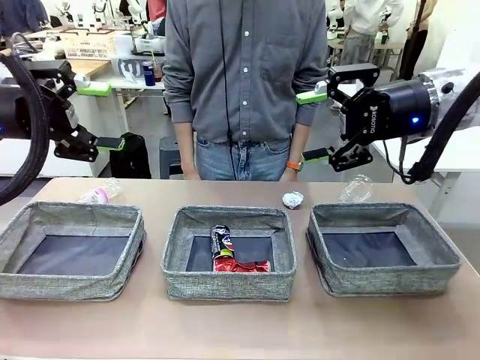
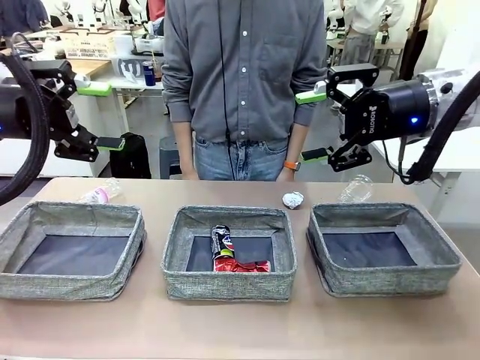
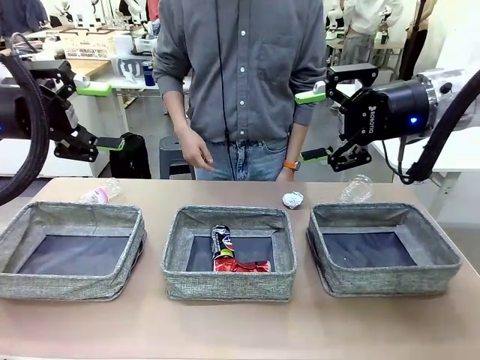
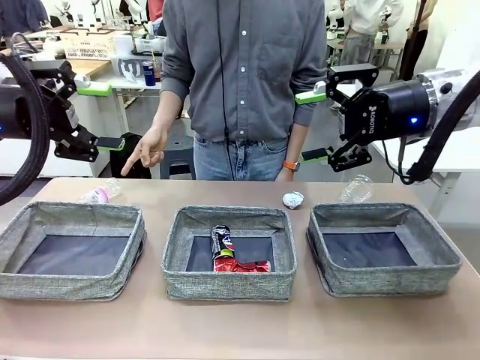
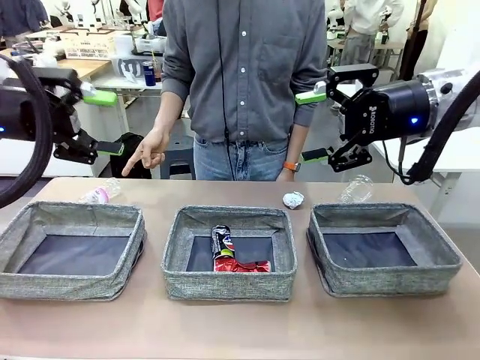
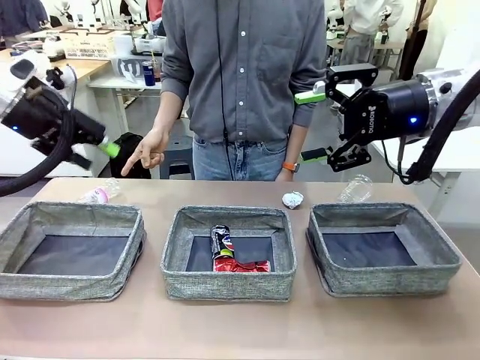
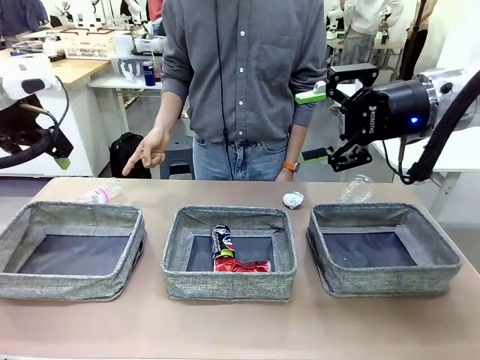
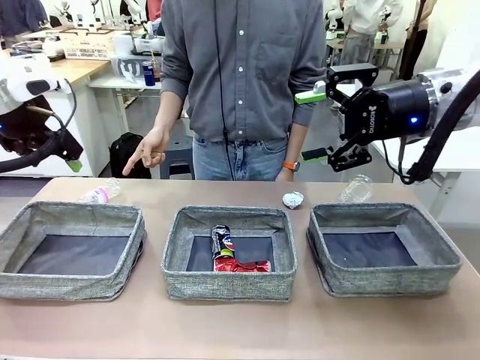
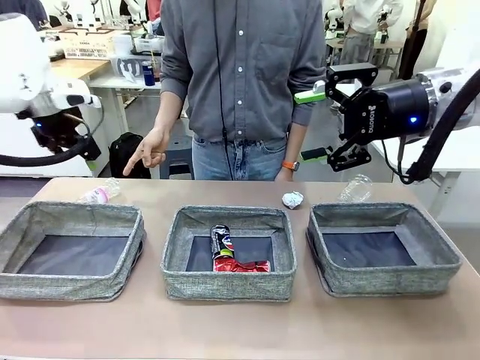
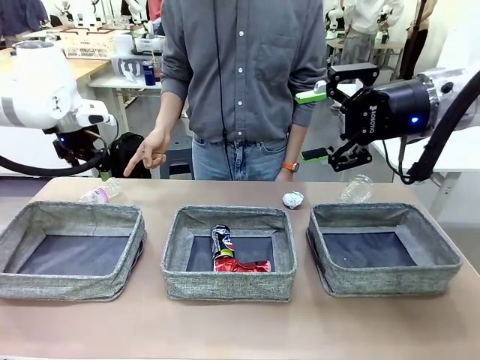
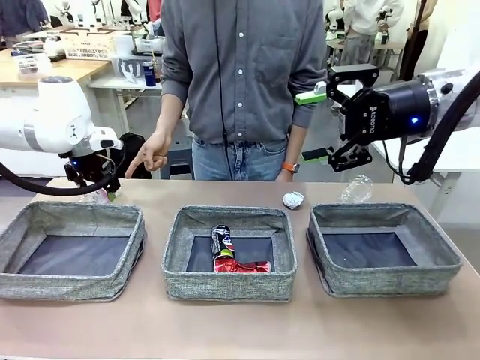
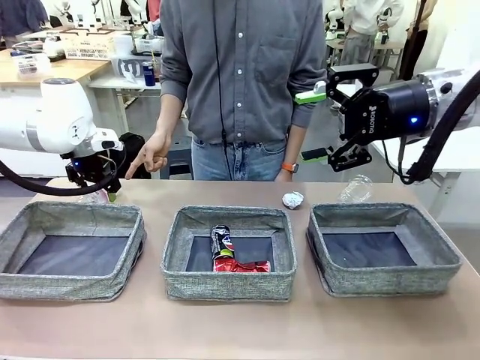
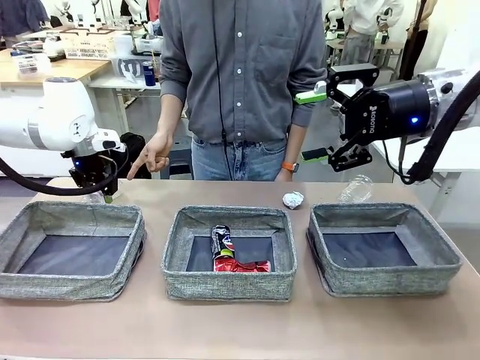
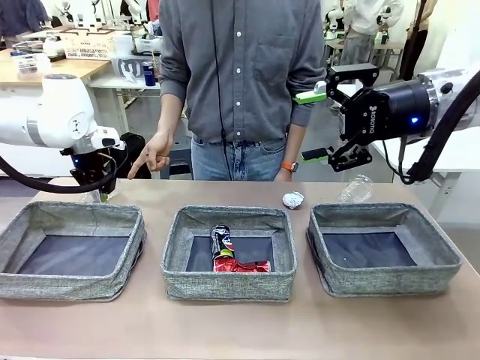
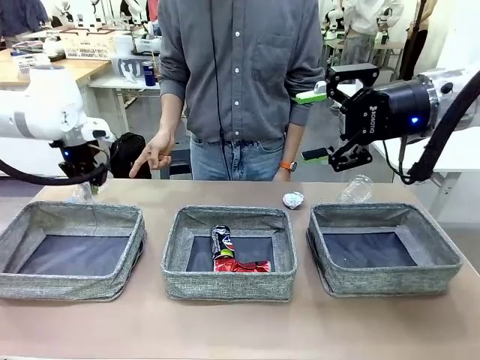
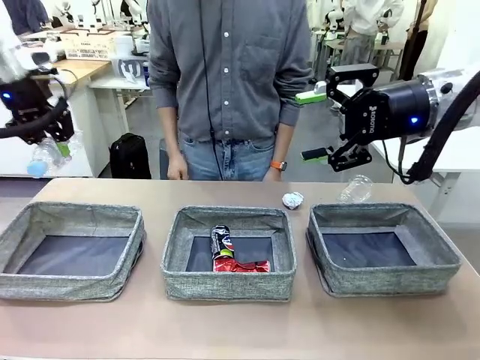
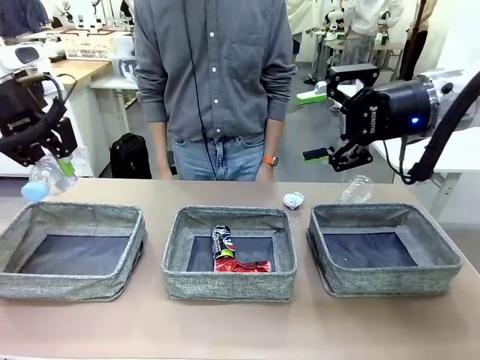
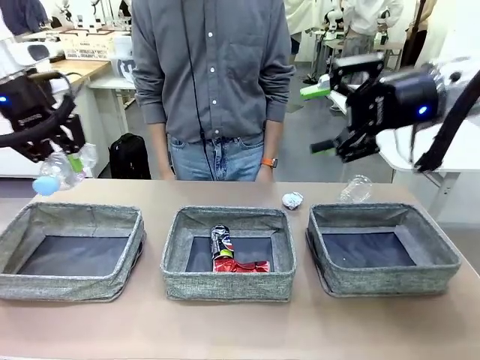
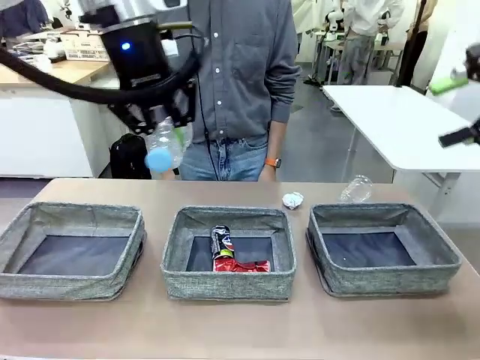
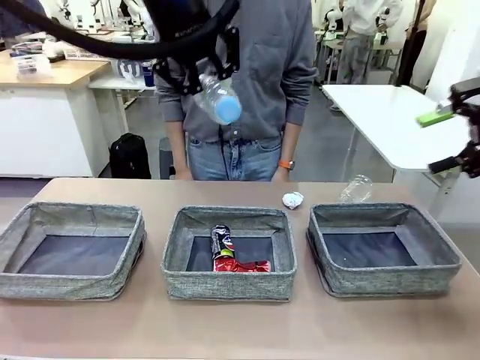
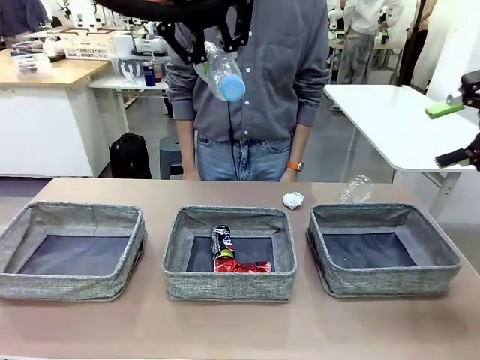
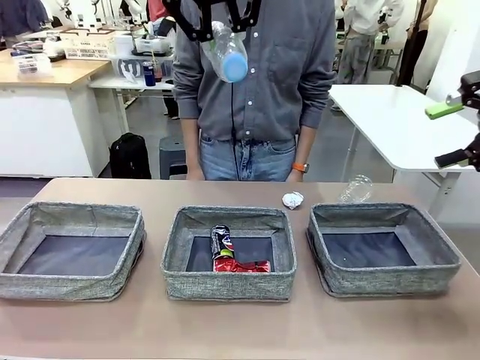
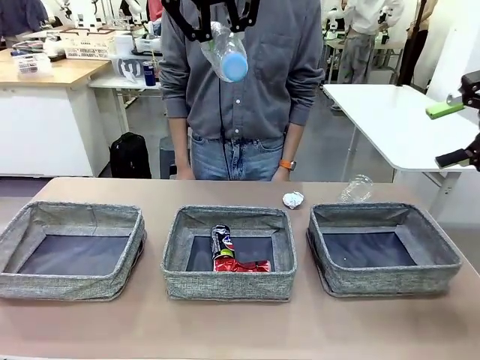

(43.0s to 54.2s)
Task: Sort the waste into the appropriate baskets.
Robot: Pick up the waste item pointed out by the person.
Person: Points to one piece of trash on the table.

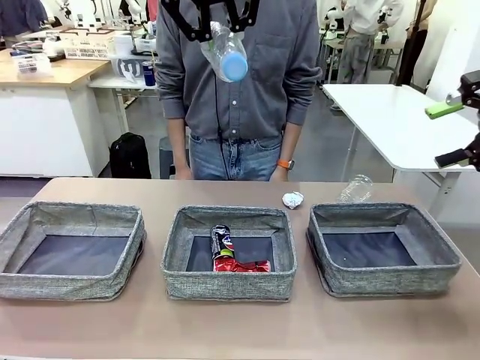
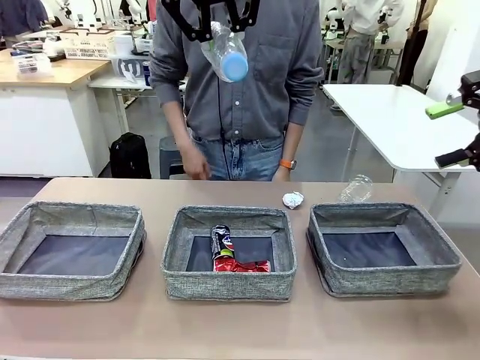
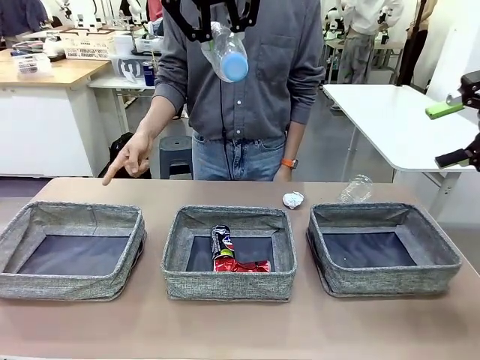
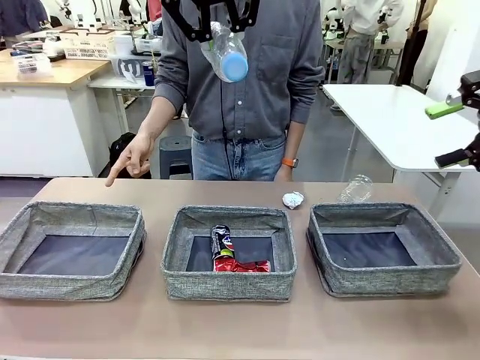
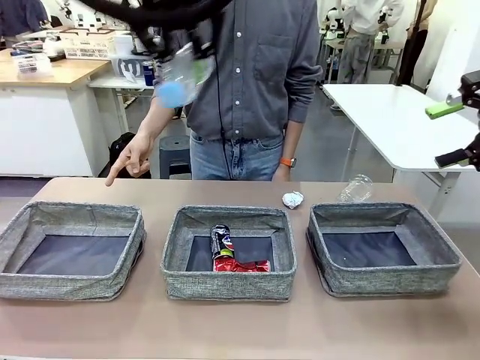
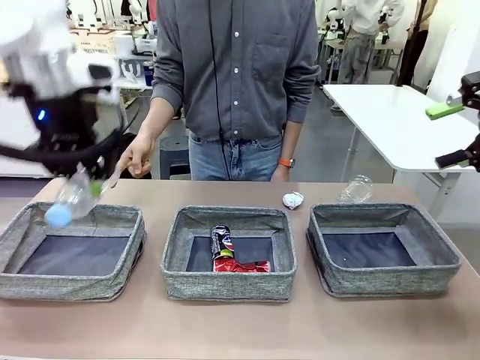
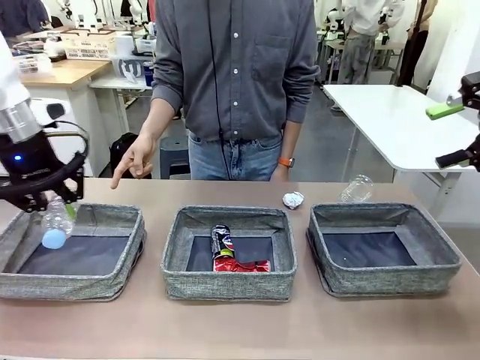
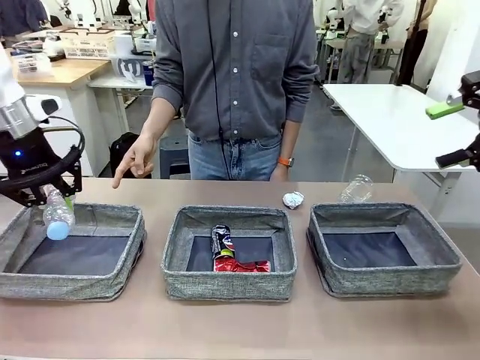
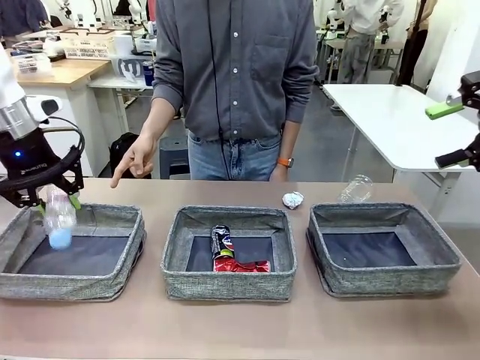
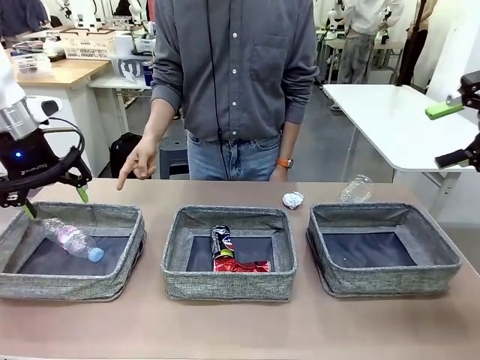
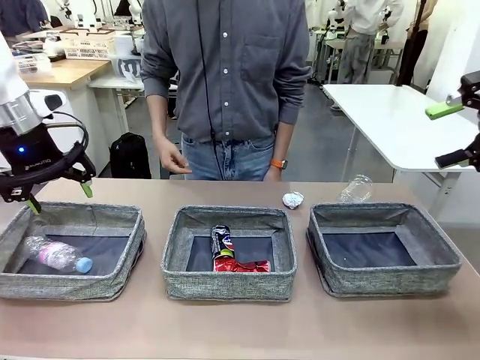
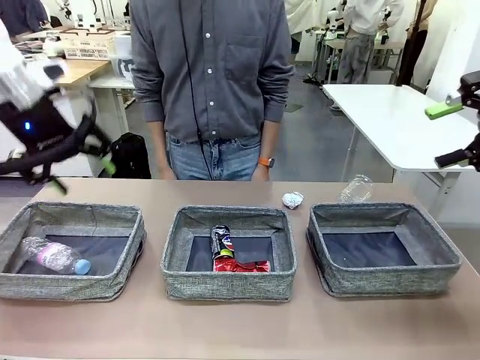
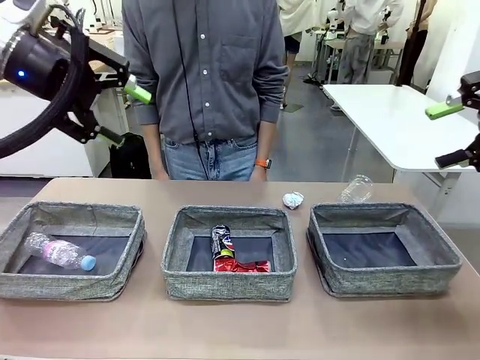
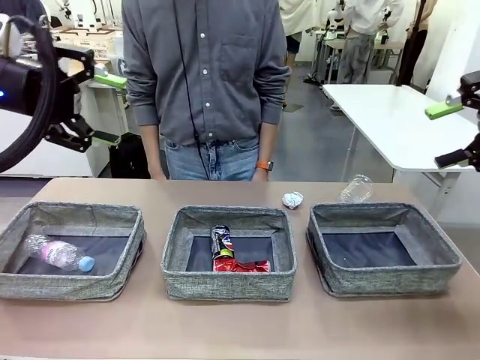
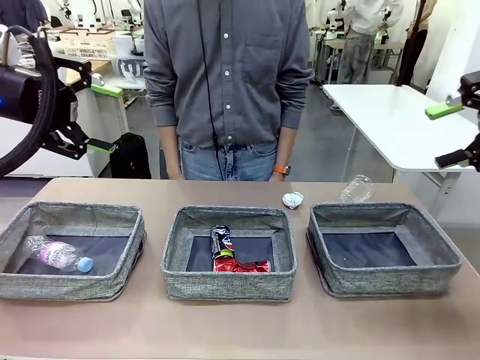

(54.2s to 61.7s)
Robot: Place the picked waste into the Fabric basket indicated by the person.
Person: Instructs the robot to place the picked-up trash into the appropriate organizing basket.

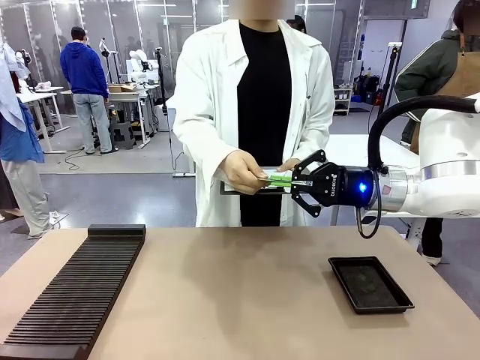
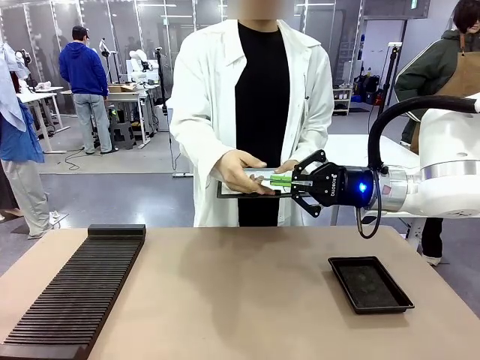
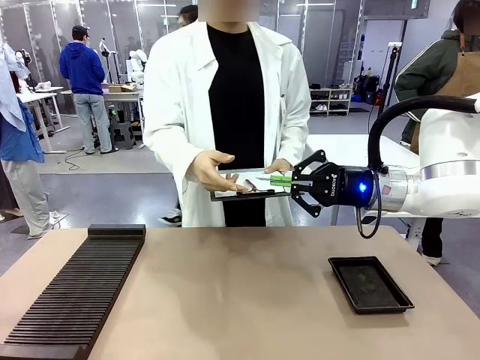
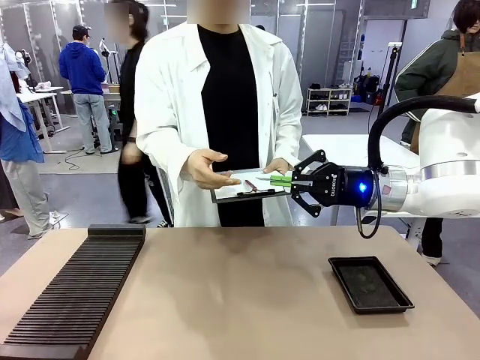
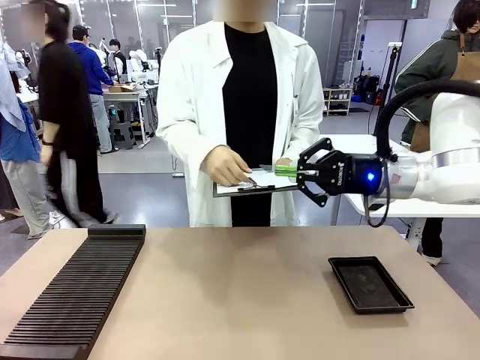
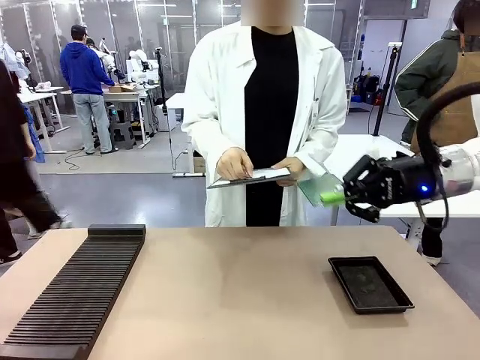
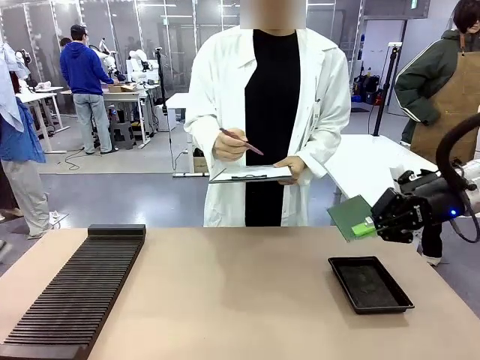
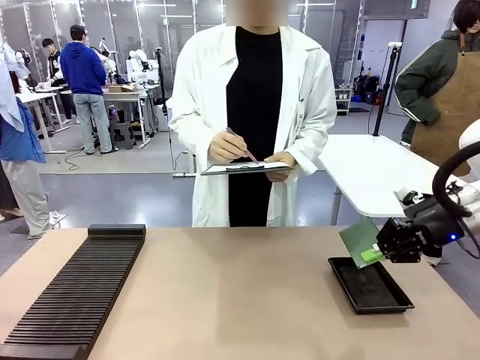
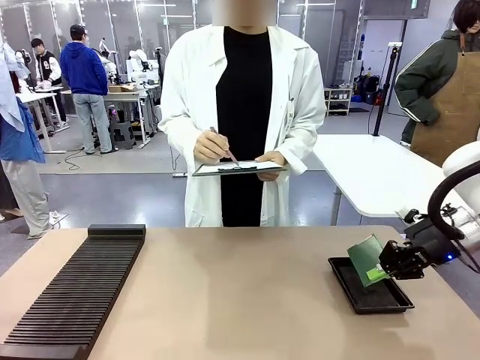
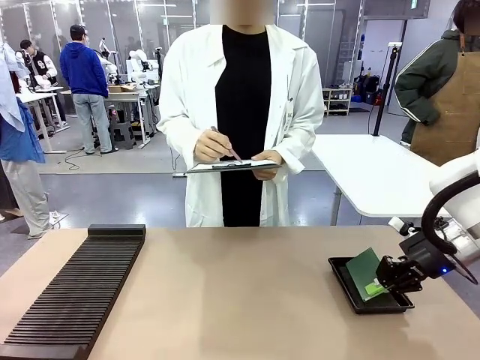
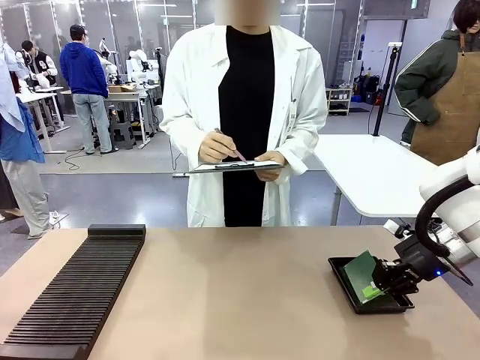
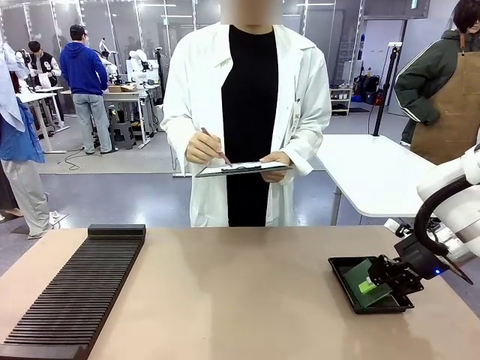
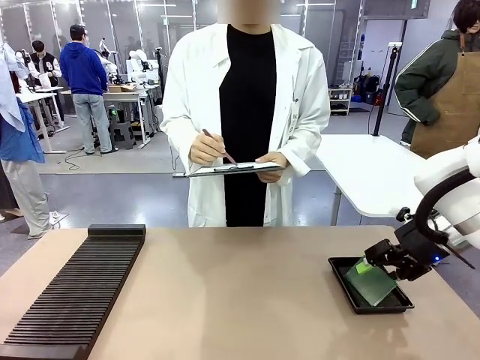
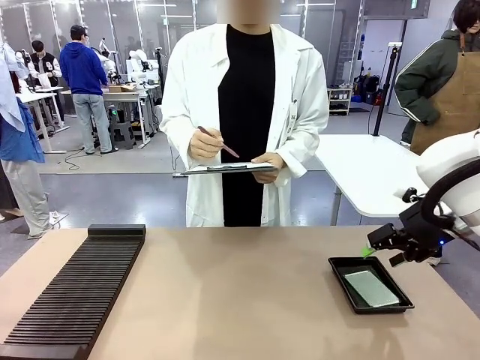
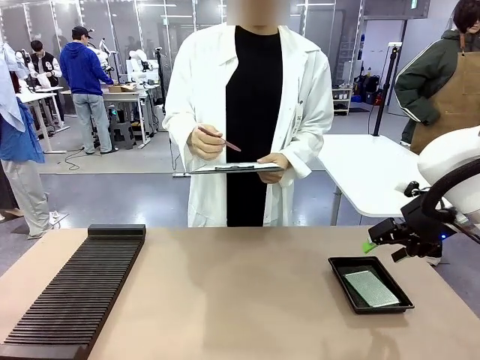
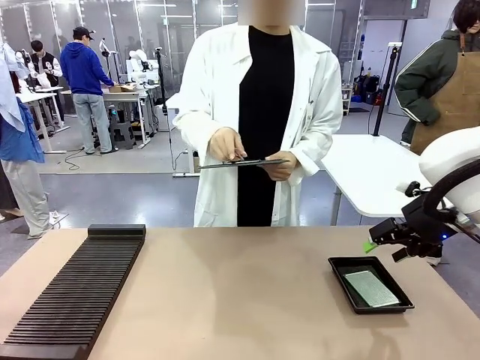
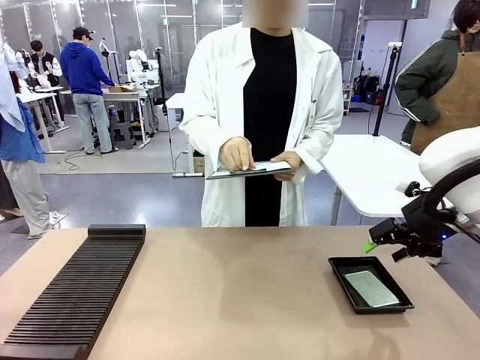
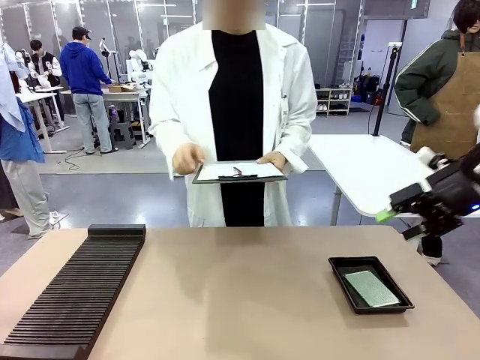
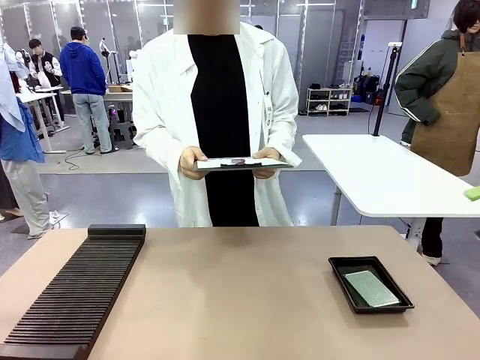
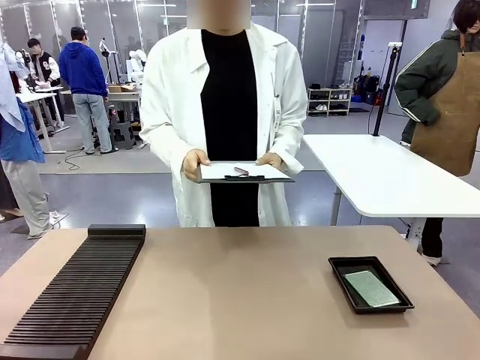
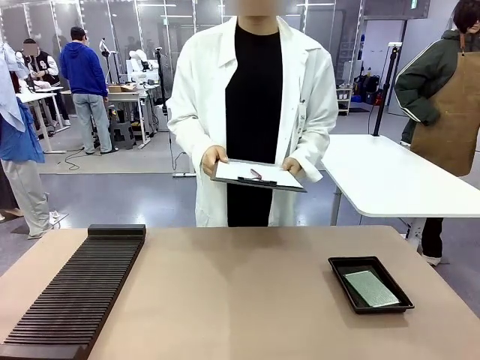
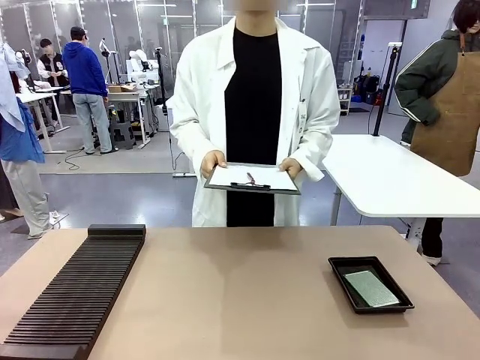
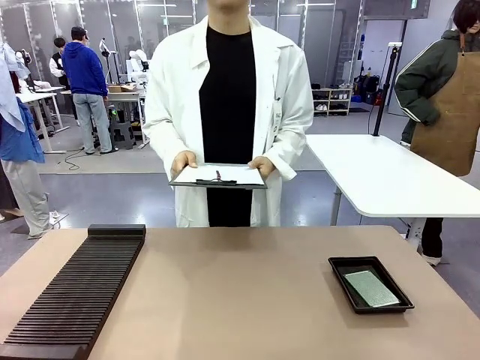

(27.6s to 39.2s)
Task: Inspect the PCB.
Robot: Place the Blank PCB in the ESD tray.
Person: Record the PCB status on the paper.
